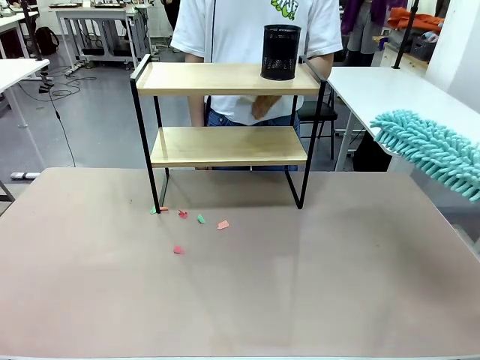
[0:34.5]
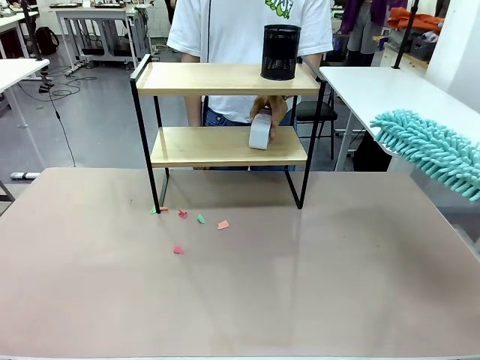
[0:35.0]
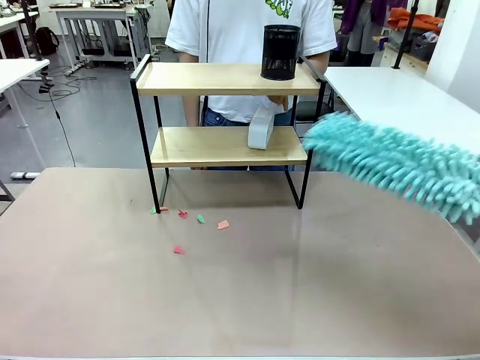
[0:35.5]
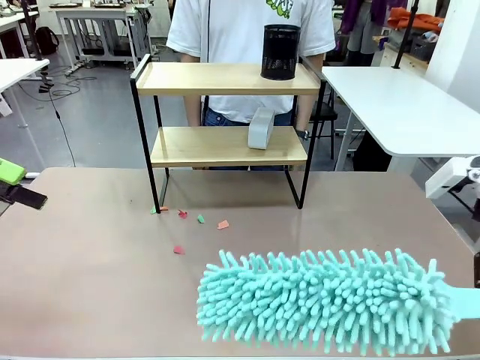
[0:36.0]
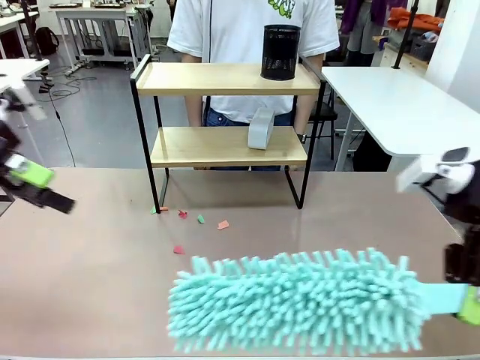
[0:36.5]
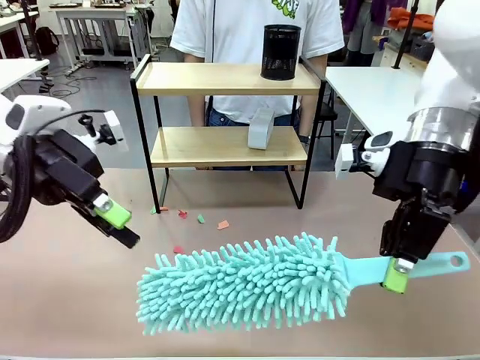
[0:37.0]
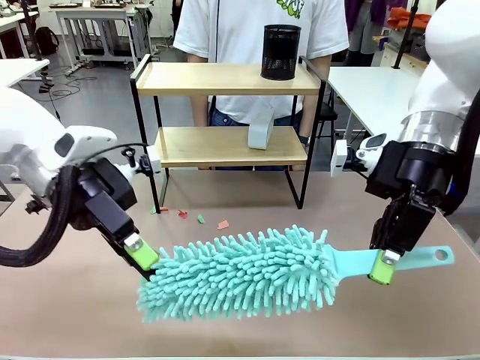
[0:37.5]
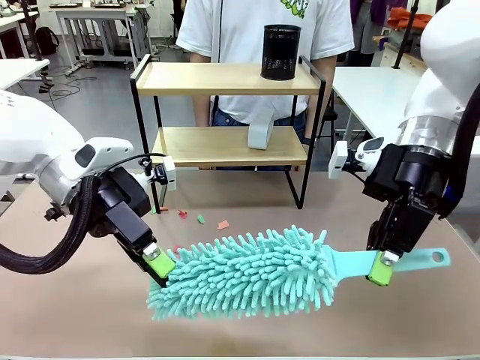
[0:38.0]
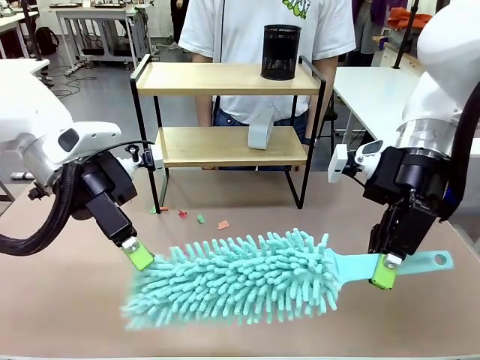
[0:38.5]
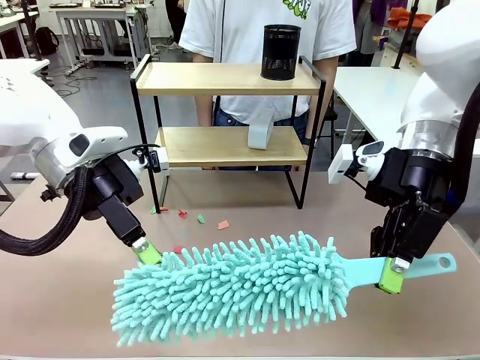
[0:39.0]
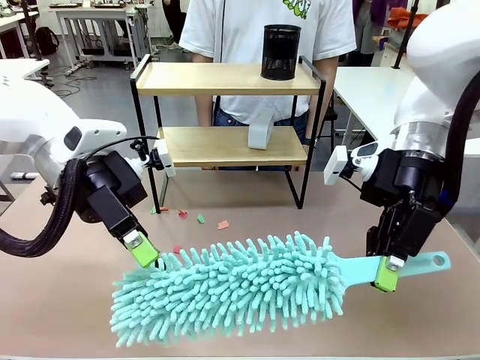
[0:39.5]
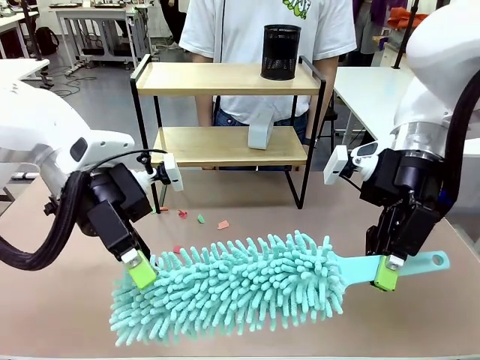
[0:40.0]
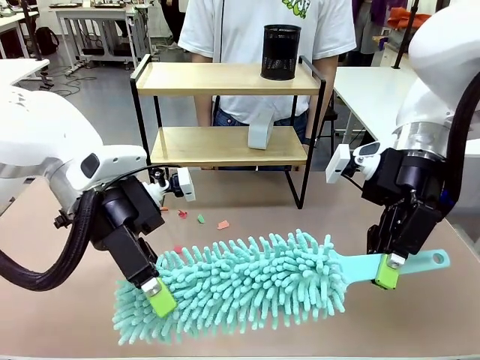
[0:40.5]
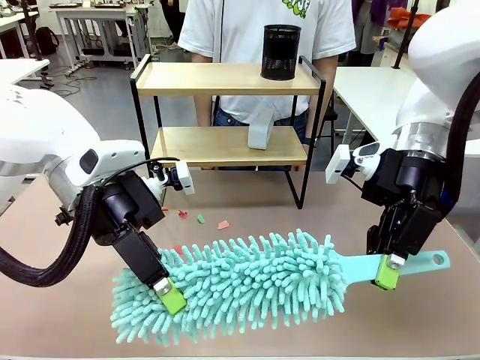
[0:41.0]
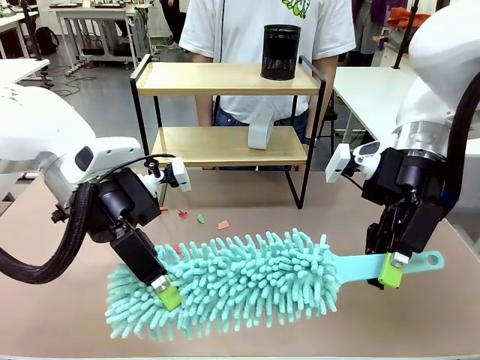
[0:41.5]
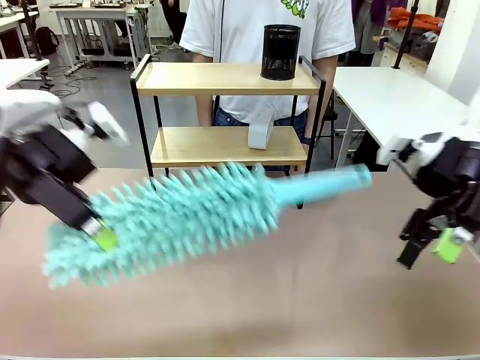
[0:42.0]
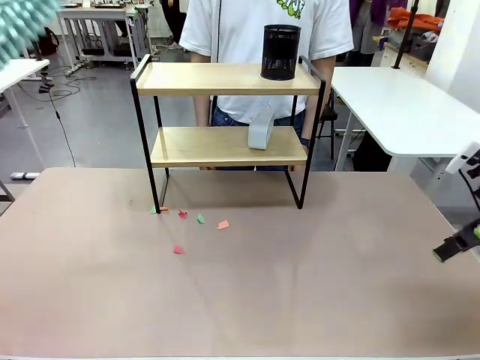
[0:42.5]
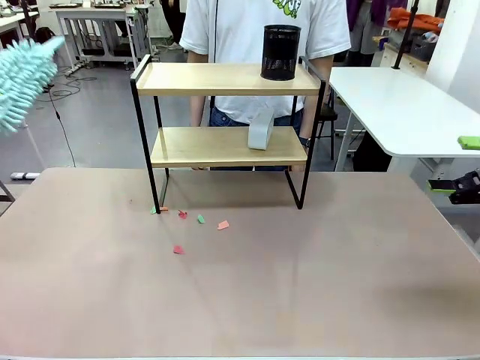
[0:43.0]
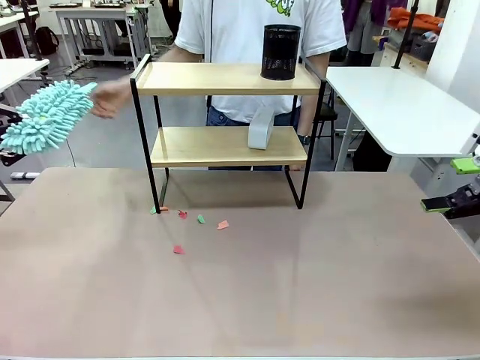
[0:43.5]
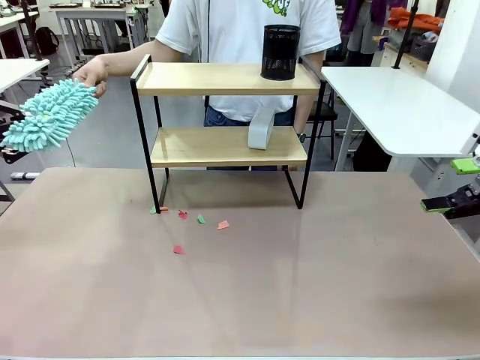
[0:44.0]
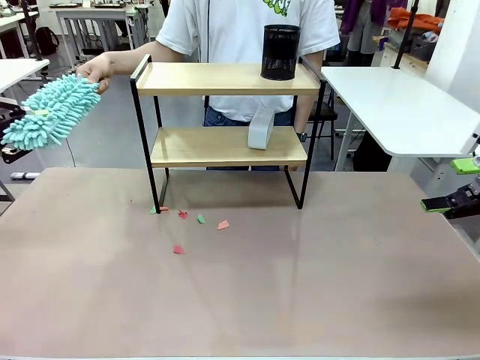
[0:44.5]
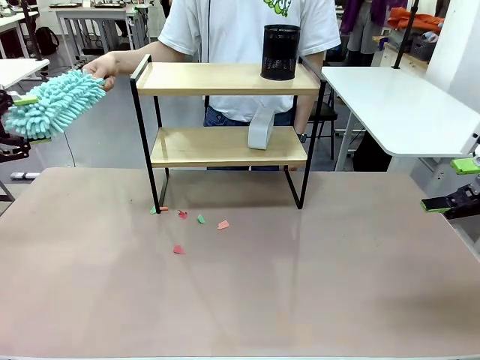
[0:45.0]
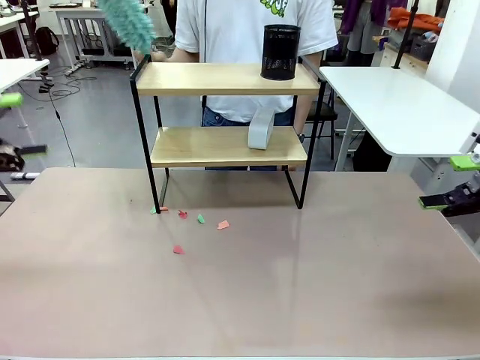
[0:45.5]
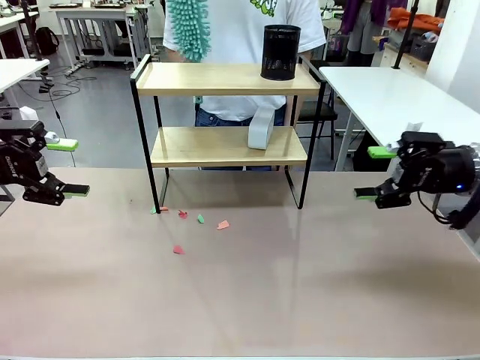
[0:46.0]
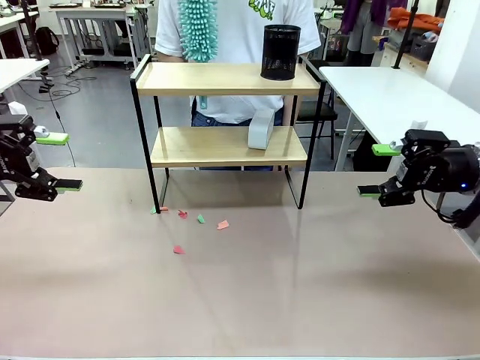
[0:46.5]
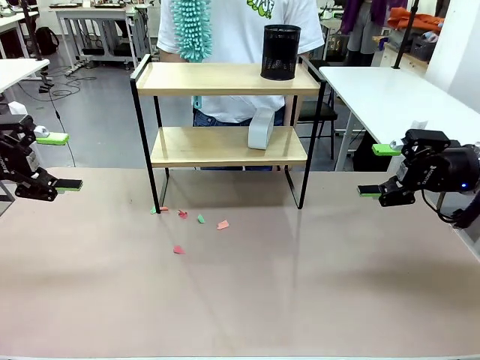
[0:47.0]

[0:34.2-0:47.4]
Task: Clean the shelf.
Robot: Hand the Duster back to the human.
Person: Receive the Duster from the robot.

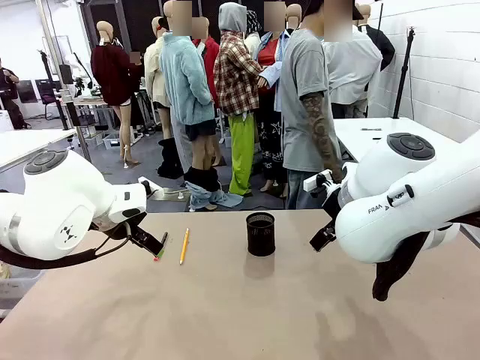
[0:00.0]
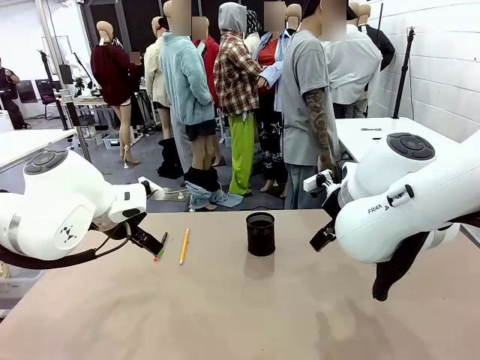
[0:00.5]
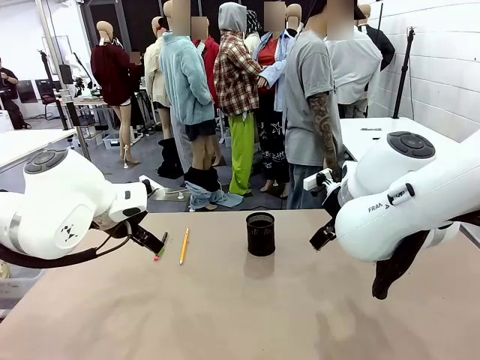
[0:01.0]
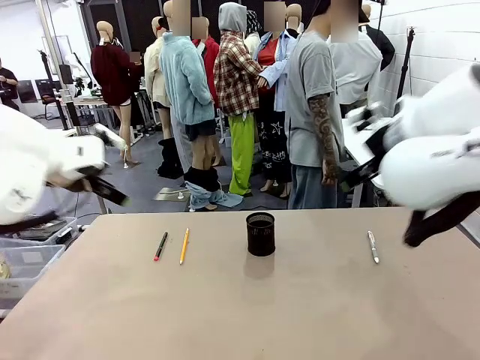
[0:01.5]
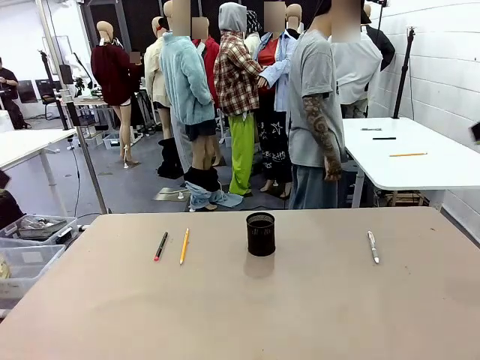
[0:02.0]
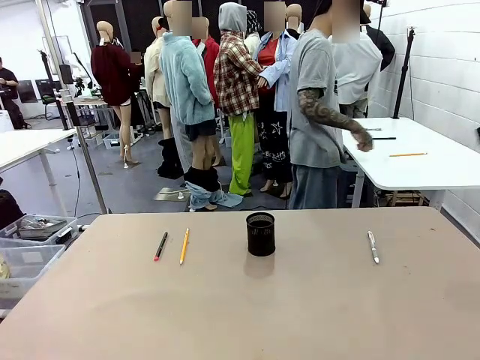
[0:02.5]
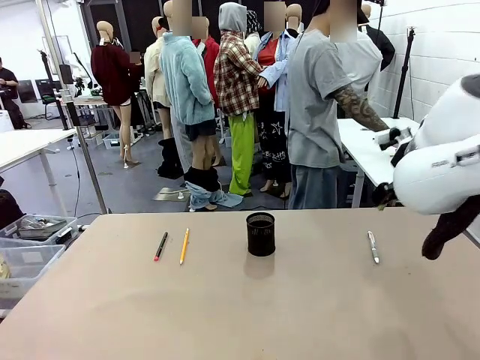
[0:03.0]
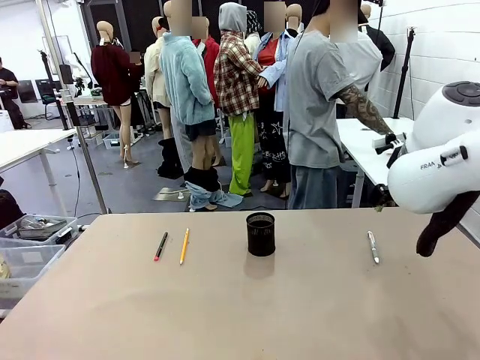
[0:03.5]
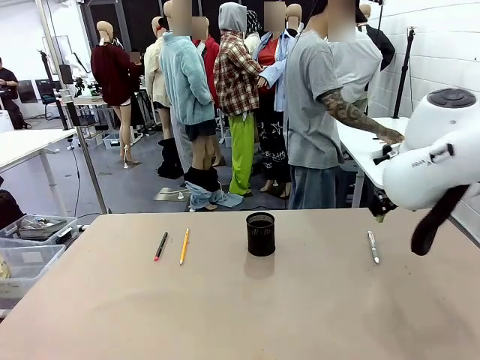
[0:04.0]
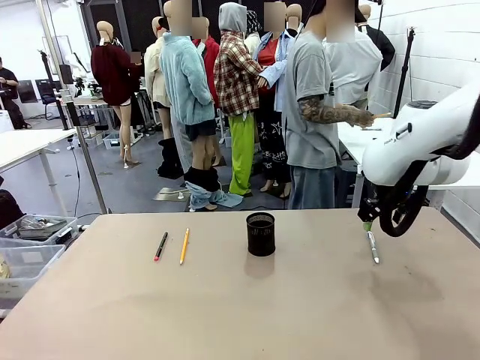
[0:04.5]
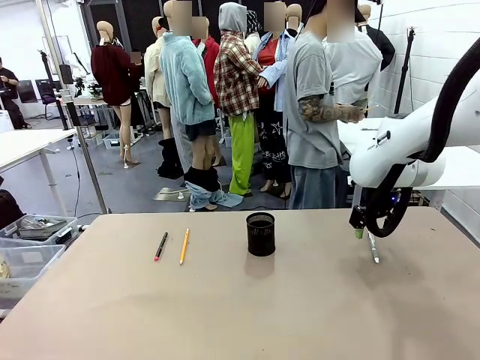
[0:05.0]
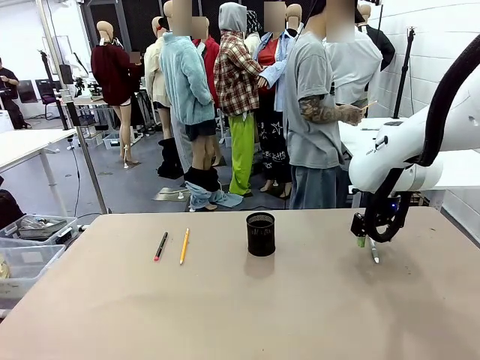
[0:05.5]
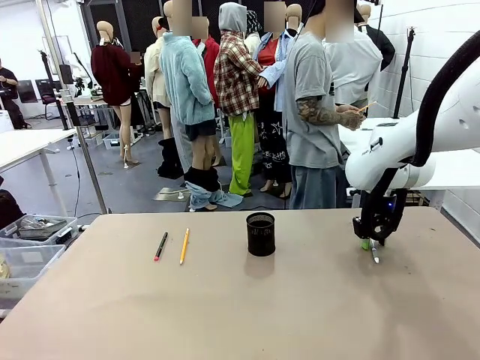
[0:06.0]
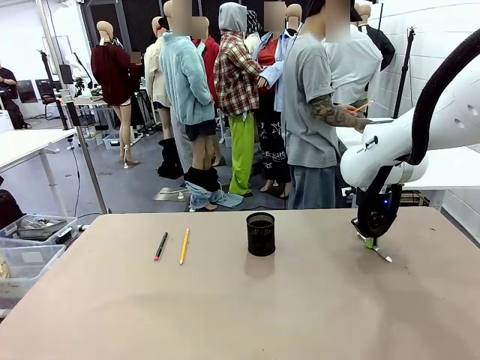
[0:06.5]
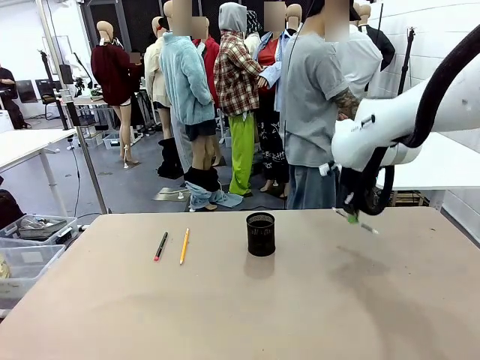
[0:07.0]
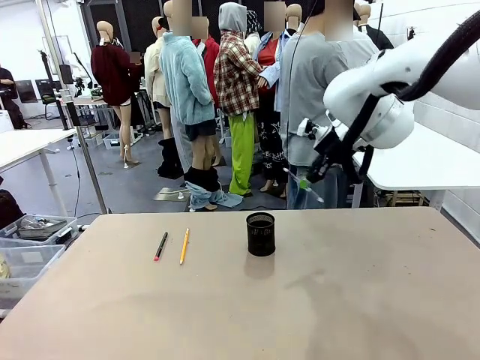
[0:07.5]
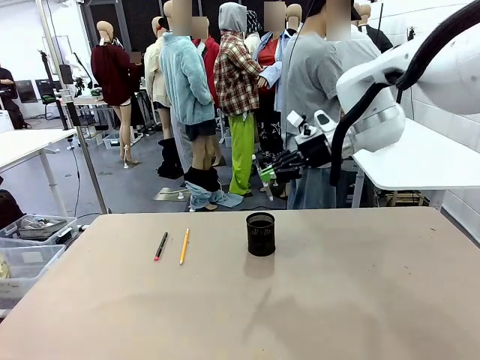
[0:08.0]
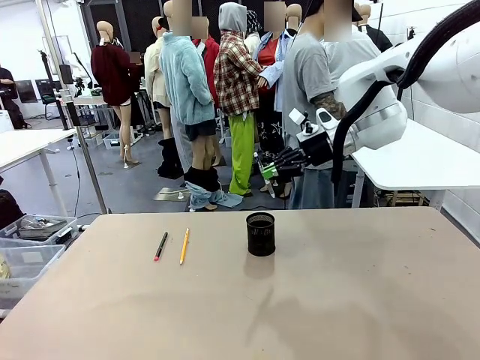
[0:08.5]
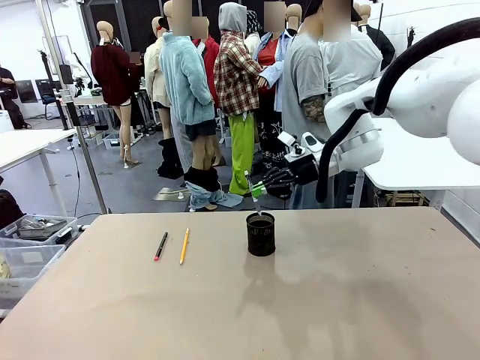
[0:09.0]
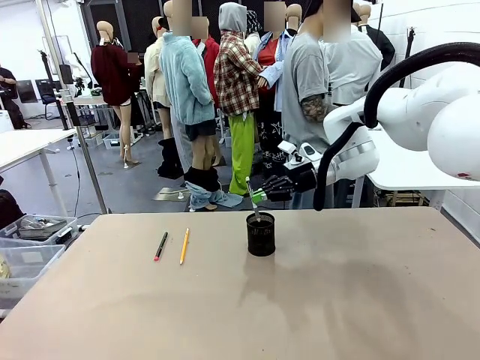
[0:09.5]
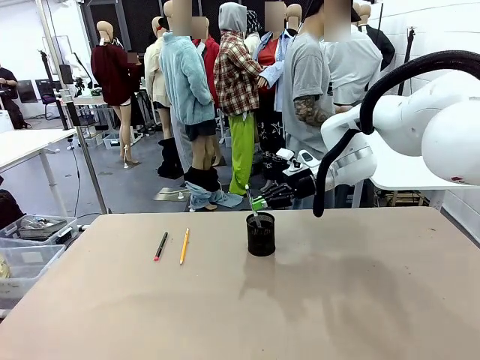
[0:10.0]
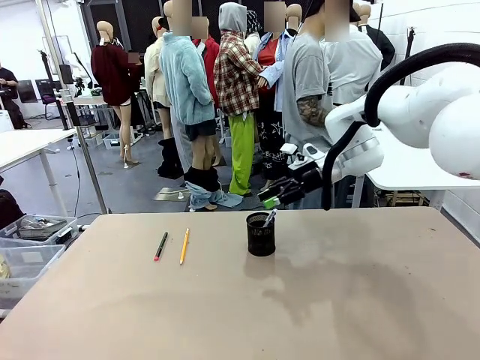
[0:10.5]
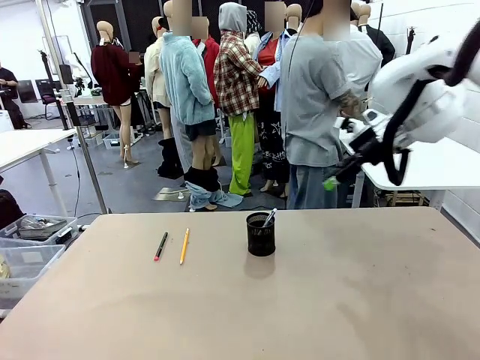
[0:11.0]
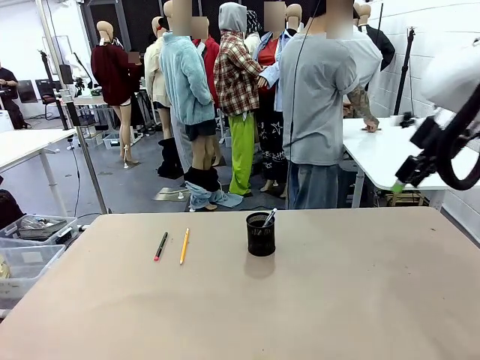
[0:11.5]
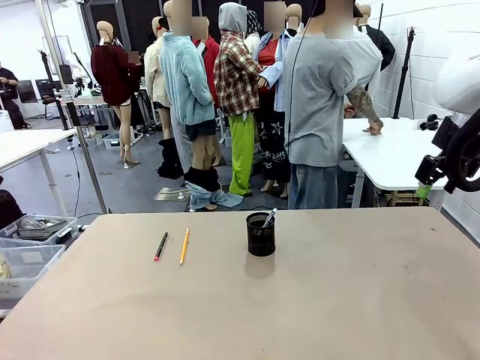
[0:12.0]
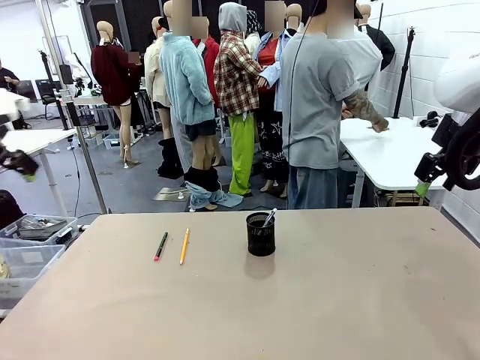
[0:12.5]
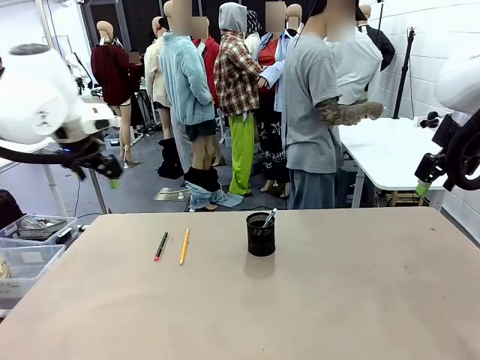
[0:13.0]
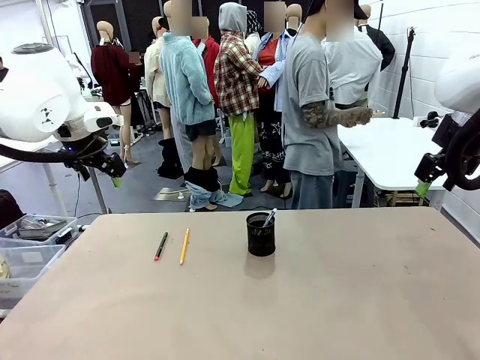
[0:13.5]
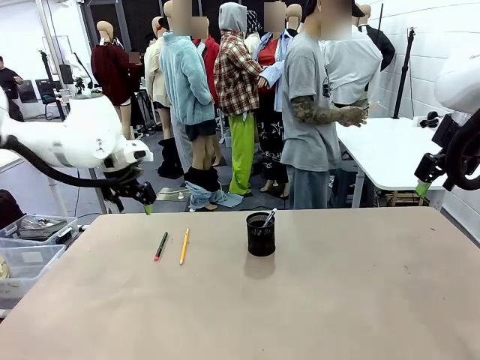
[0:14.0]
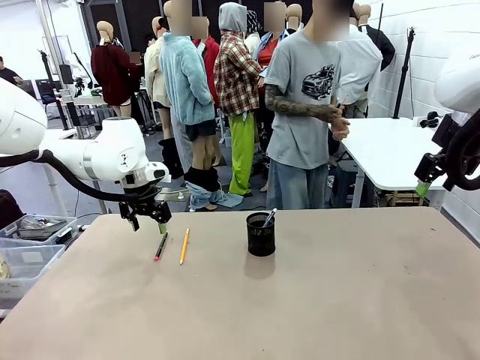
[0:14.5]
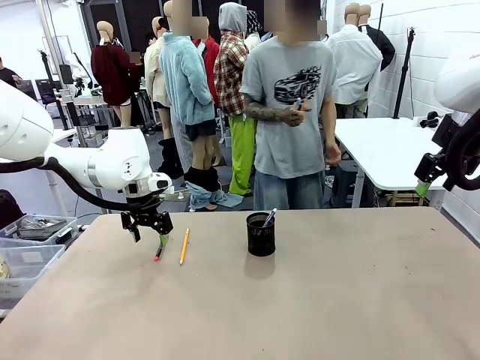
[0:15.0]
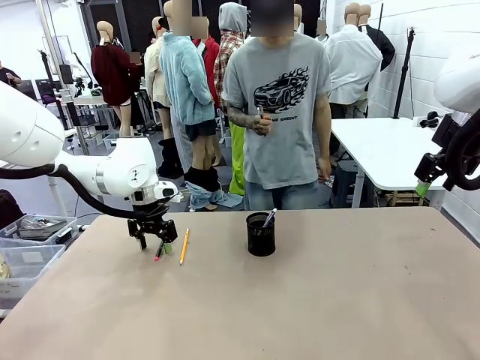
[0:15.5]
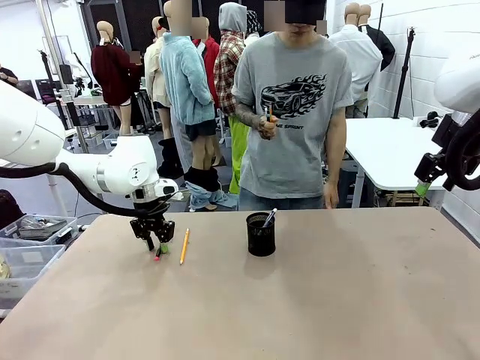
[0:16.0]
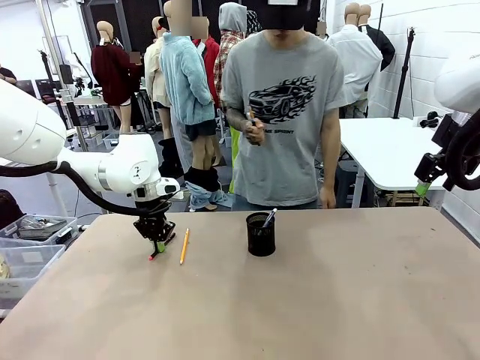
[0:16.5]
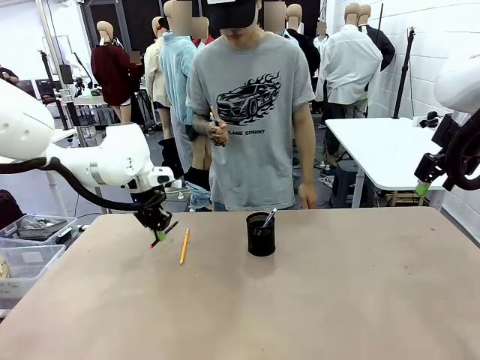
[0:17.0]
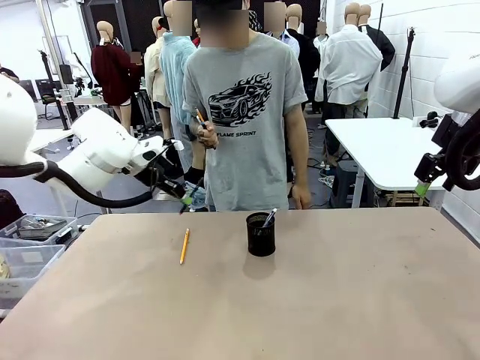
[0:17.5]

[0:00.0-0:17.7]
Task: Place the pens into the pen holder.
Robot: Pick up a writing instrument from the table and place it into the Pen holder.
Person: Pick up all writing instruments from the Human table.
